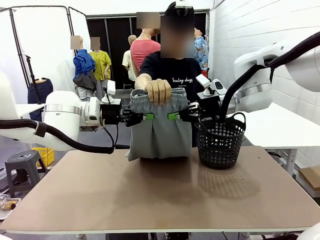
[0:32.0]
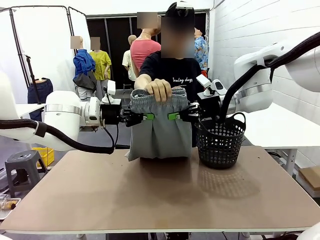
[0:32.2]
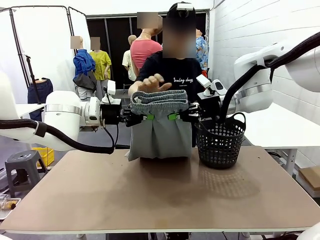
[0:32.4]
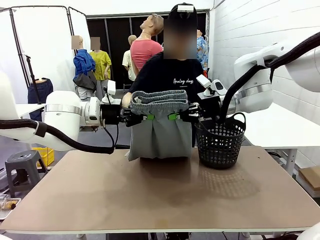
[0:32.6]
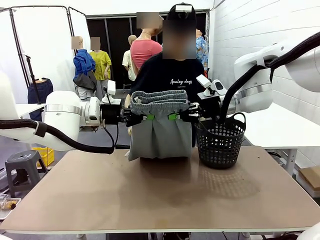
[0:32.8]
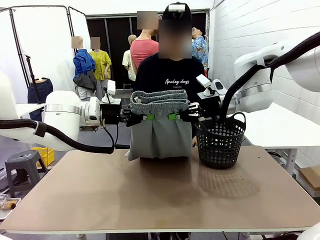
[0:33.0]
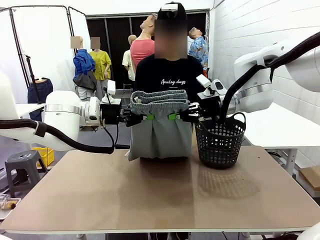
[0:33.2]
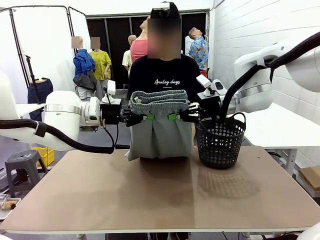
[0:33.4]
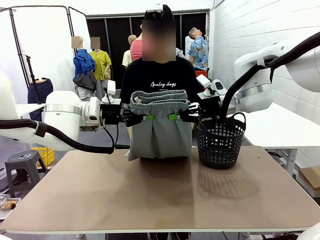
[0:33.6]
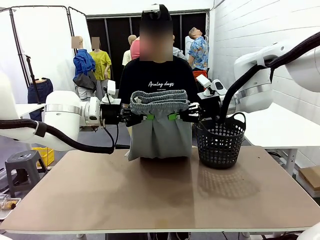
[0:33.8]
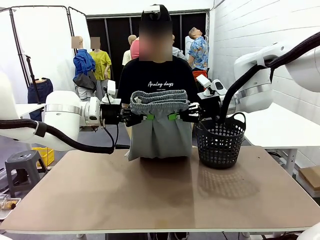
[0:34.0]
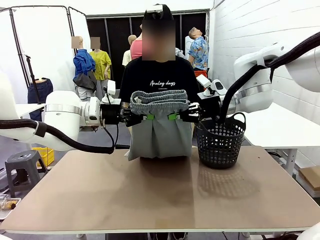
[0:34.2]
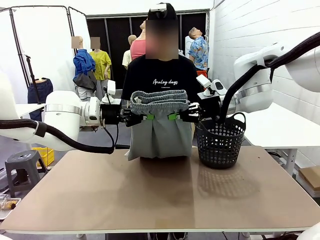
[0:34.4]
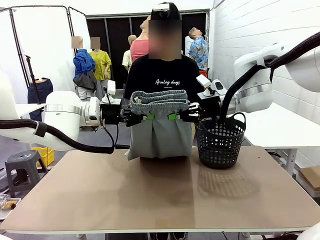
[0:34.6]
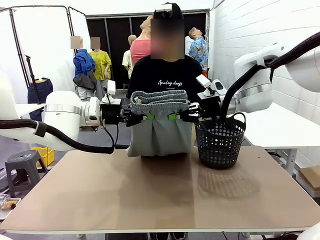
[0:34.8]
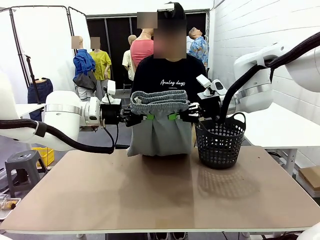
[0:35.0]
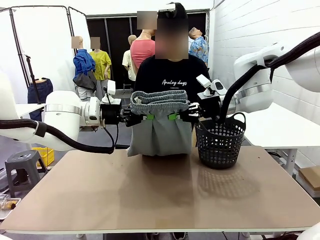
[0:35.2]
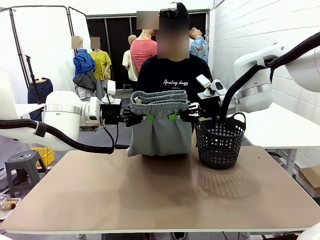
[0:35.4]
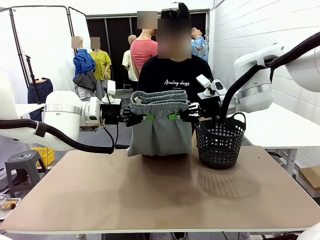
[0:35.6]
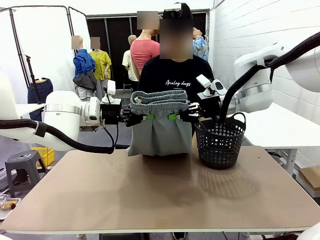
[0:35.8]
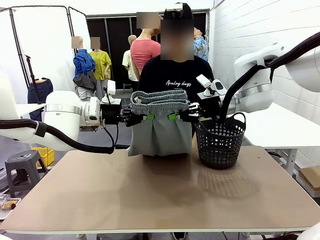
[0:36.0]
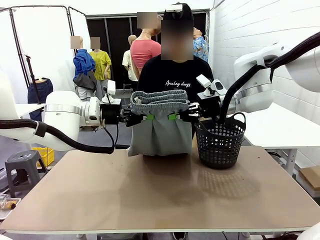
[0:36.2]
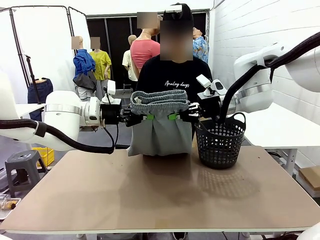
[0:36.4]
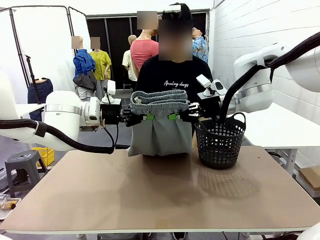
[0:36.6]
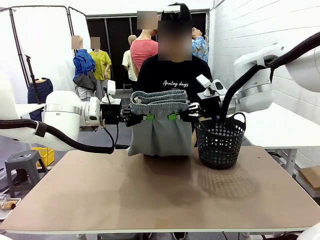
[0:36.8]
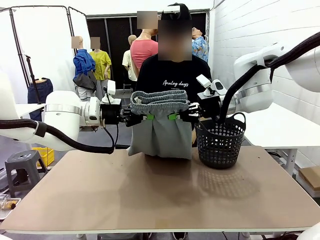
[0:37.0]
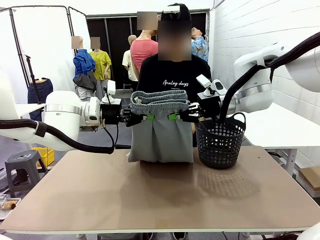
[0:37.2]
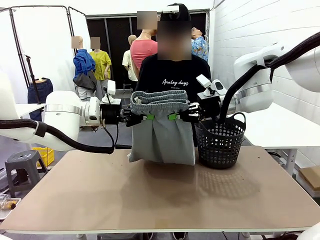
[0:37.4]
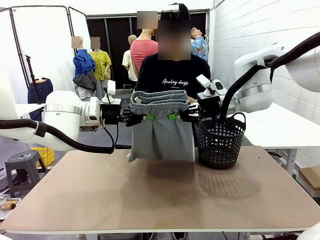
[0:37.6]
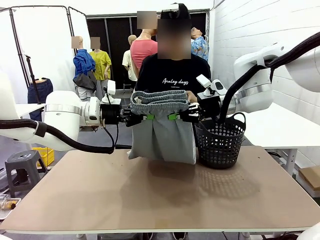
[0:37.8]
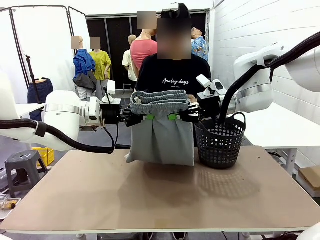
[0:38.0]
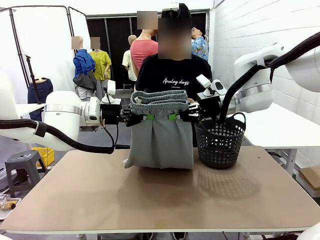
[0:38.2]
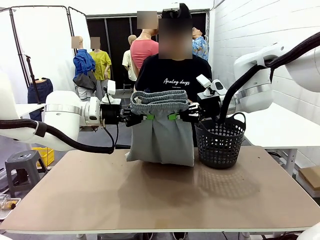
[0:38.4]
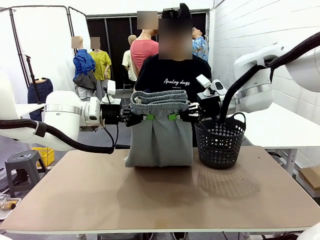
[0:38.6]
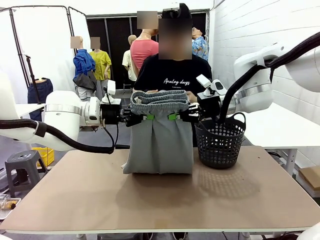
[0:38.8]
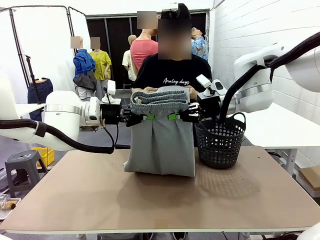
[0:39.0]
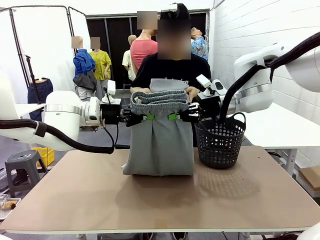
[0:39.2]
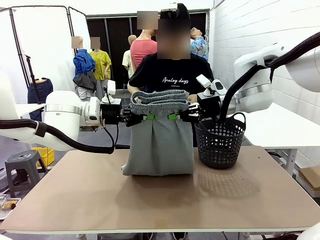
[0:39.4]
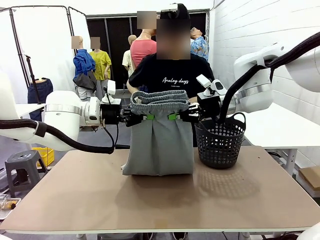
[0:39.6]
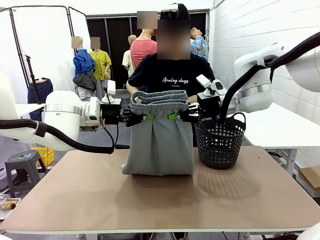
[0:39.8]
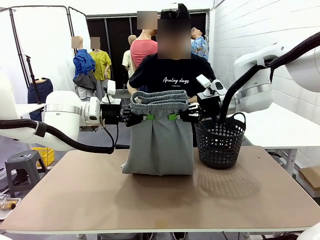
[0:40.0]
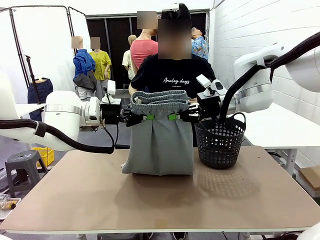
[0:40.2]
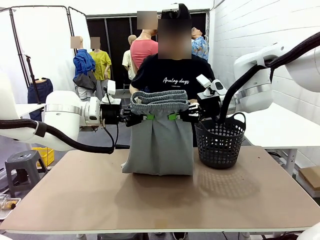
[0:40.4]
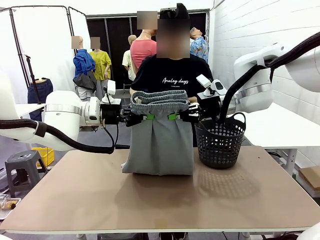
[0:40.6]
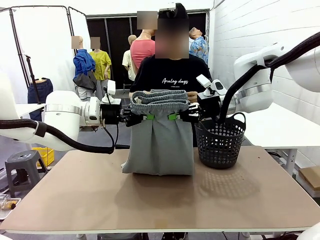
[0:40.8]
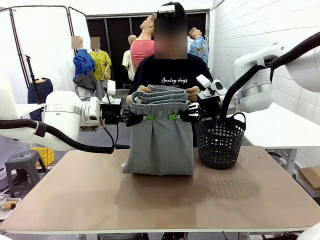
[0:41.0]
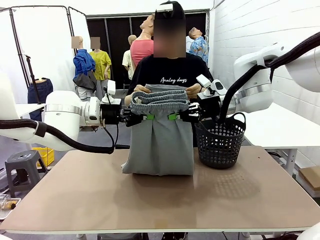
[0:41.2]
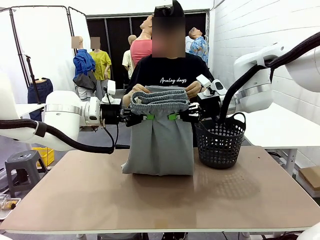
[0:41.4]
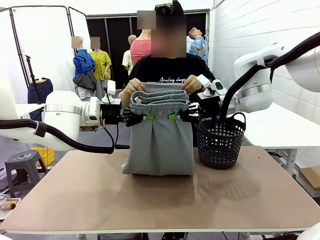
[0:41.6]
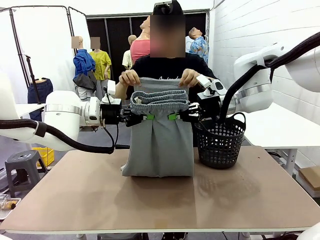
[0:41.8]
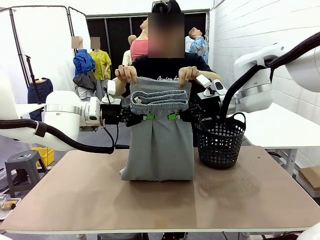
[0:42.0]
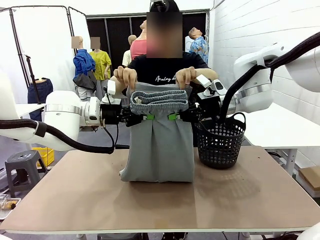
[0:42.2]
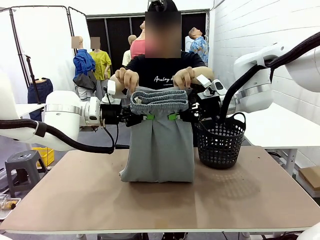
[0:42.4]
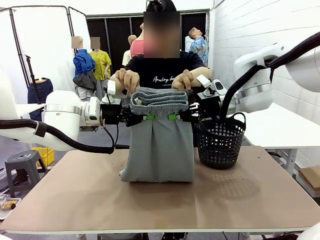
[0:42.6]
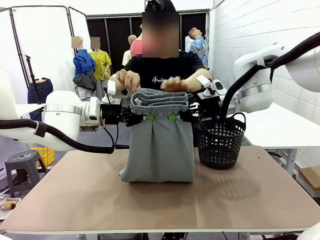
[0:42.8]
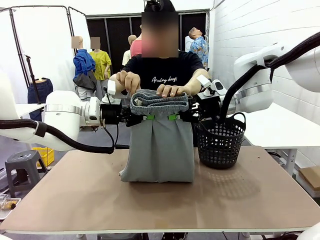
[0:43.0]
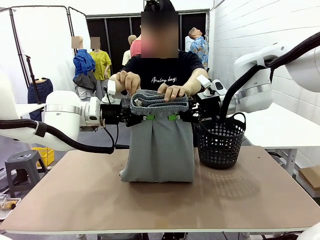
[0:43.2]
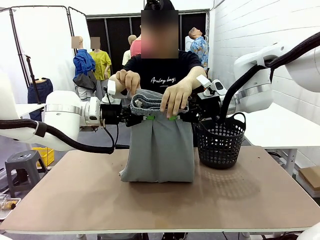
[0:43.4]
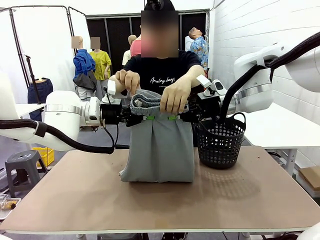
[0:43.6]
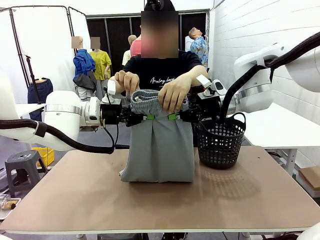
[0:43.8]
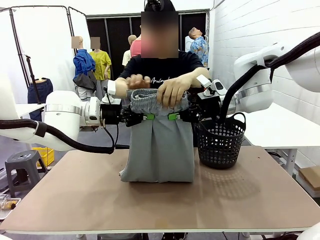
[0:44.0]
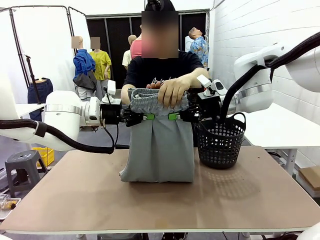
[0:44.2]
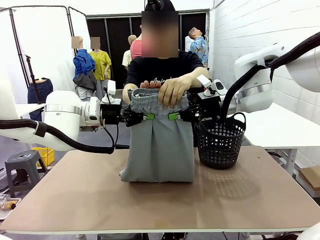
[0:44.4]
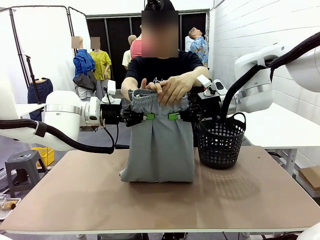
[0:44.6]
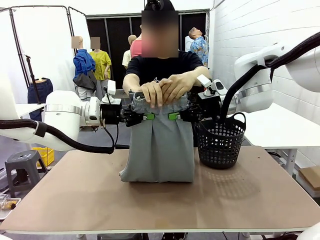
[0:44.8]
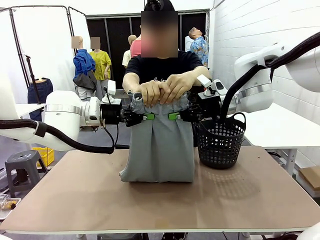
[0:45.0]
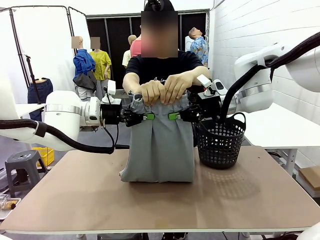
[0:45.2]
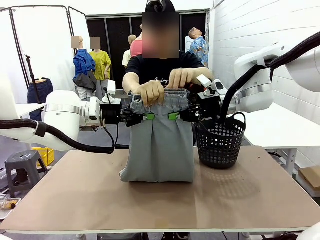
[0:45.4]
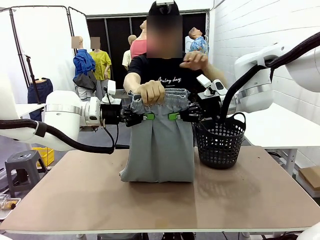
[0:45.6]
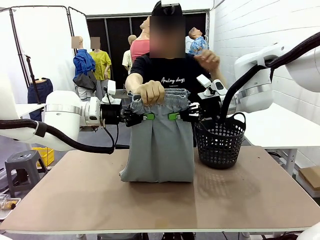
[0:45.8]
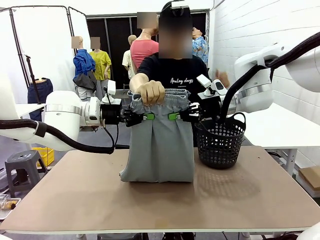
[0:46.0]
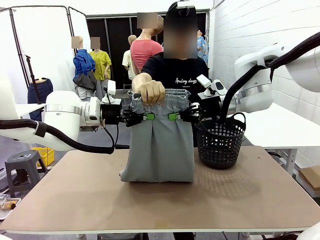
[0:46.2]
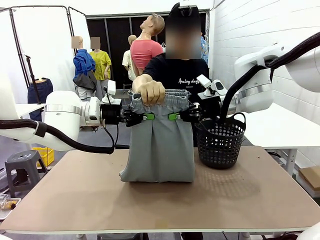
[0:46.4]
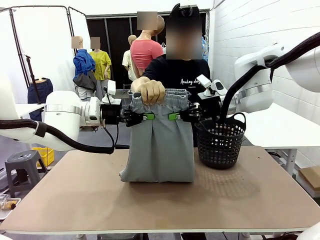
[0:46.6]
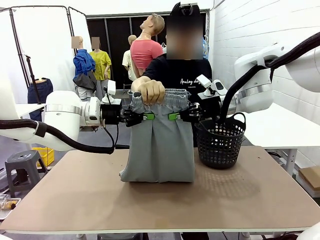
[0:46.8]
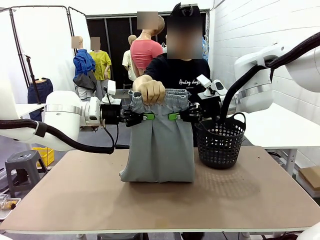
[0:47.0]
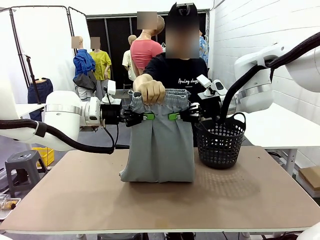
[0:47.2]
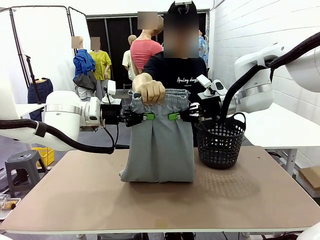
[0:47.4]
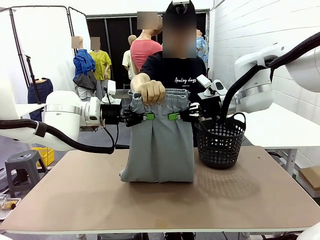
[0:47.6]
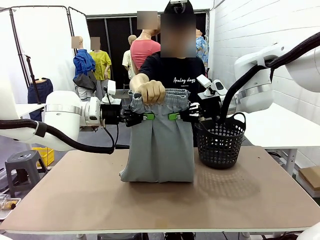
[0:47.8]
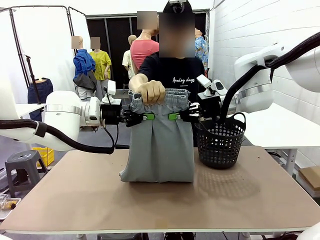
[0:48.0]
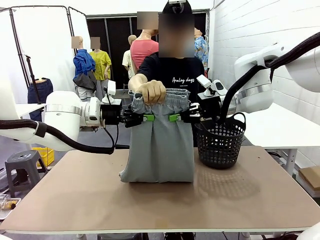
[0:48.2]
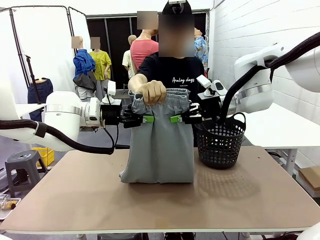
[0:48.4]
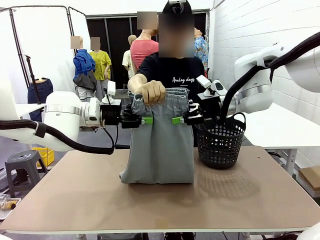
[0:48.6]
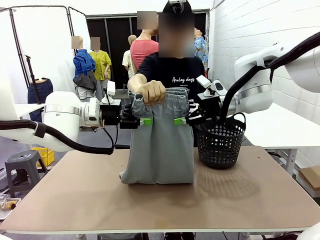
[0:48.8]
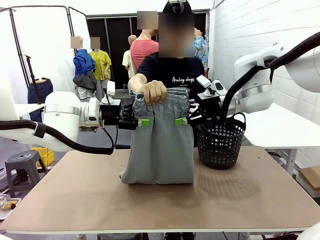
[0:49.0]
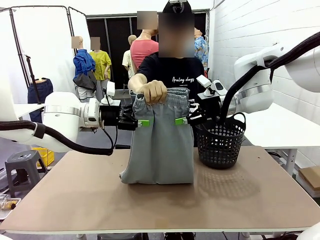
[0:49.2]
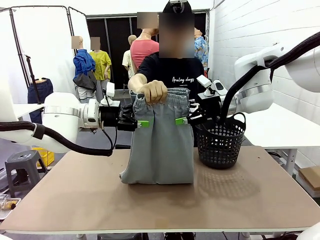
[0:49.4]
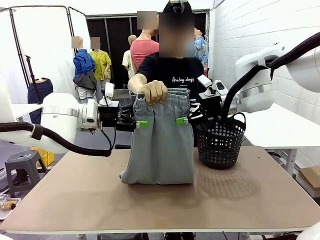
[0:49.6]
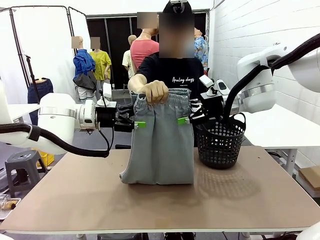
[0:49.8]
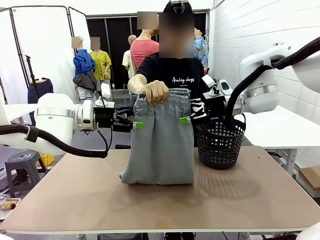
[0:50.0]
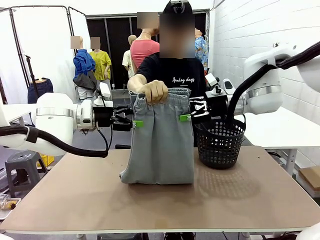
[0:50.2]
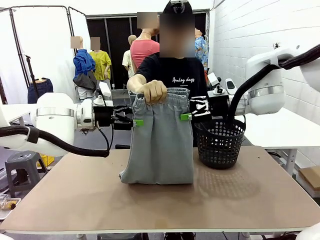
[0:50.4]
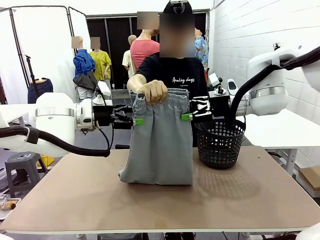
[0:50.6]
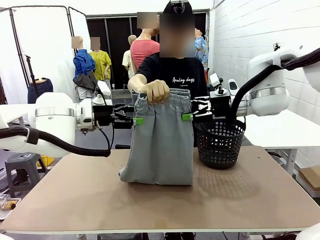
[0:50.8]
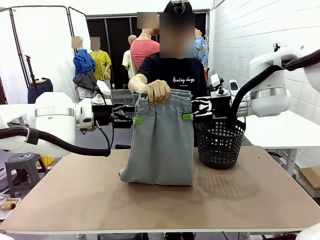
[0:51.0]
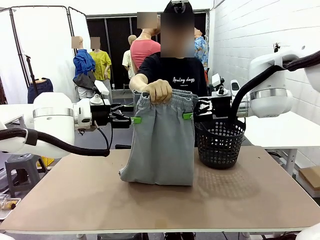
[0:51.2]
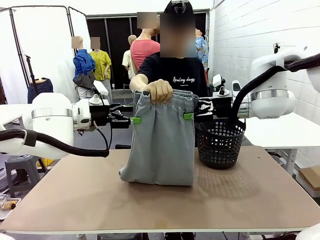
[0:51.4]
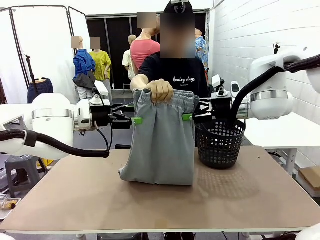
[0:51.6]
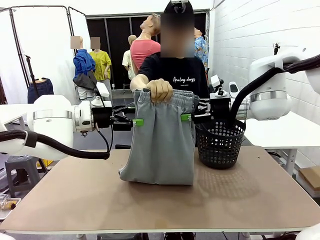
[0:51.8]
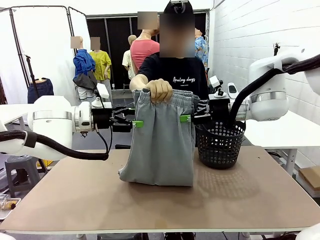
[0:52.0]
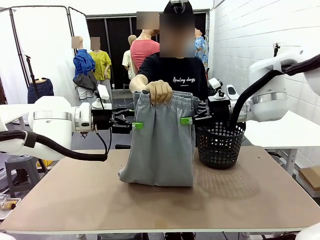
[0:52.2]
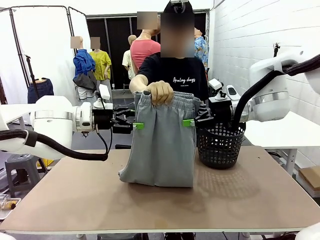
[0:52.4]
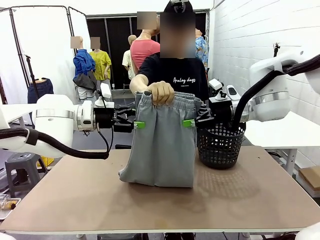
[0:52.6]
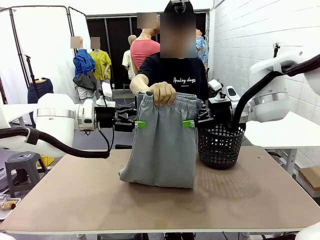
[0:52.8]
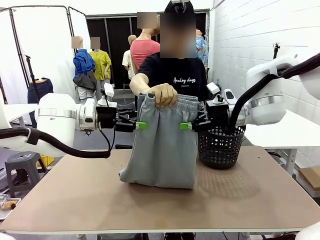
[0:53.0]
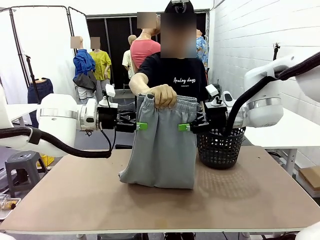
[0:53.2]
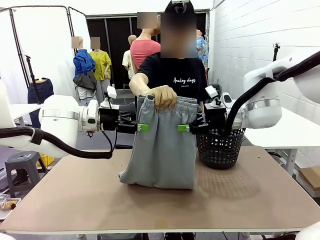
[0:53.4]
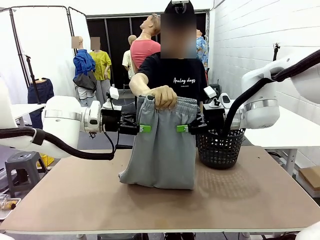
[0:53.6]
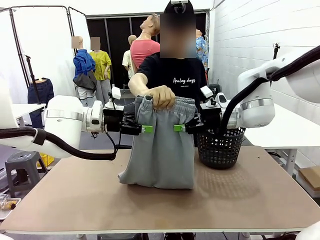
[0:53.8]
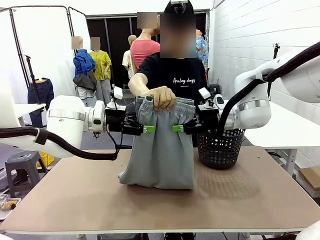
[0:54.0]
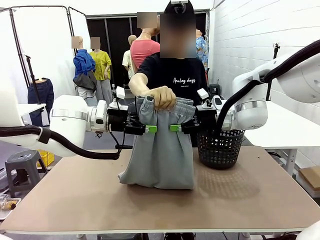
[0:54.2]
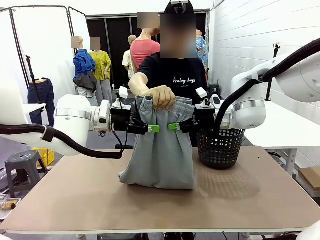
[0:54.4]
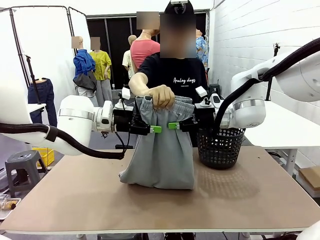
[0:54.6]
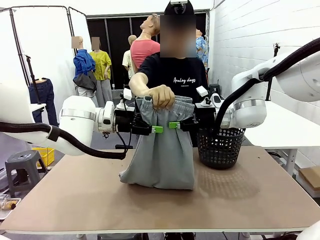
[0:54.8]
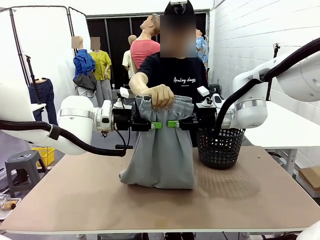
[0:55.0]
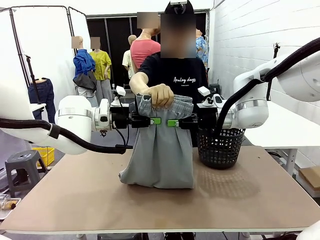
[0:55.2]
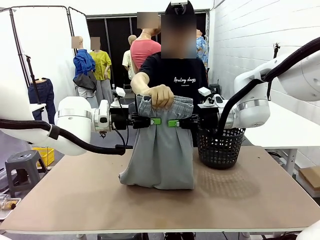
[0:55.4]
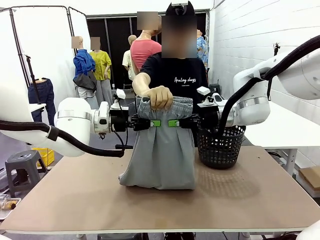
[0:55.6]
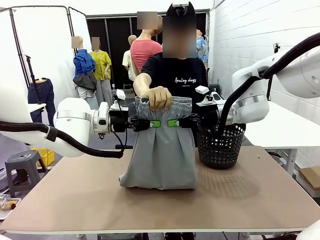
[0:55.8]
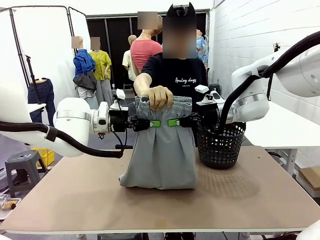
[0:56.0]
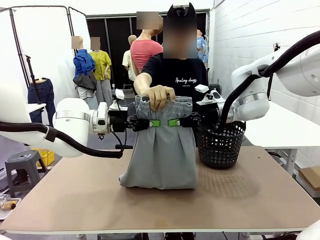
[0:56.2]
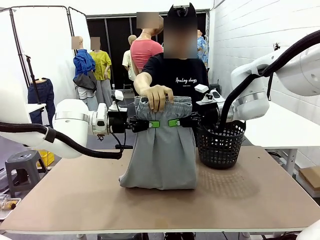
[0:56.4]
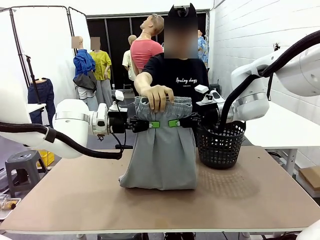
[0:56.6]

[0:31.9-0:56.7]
Task: Fold the training pants.
Robot: Release the ends of the Training pants and then grab the overlapped ends.
Person: Grasp the end opposite the point the robot is holding, fold the pants in half, and then grasp the overlapping top end of the folded pants. Release the pants you were holding.
